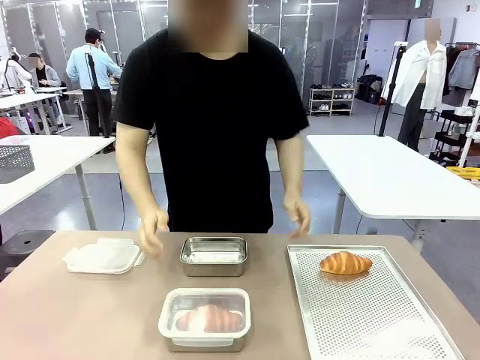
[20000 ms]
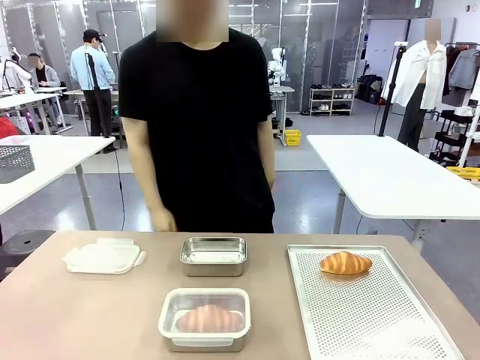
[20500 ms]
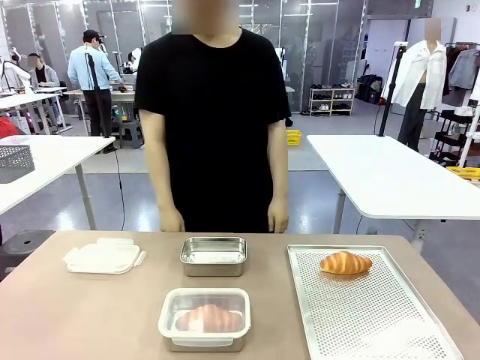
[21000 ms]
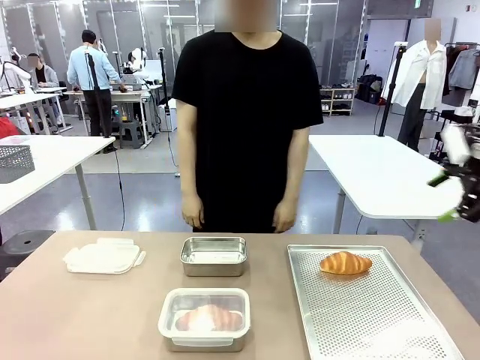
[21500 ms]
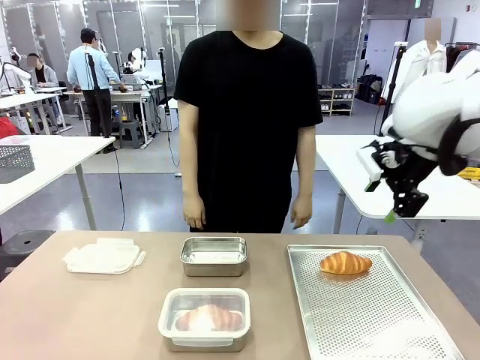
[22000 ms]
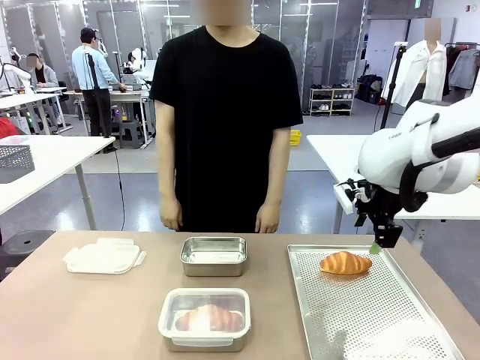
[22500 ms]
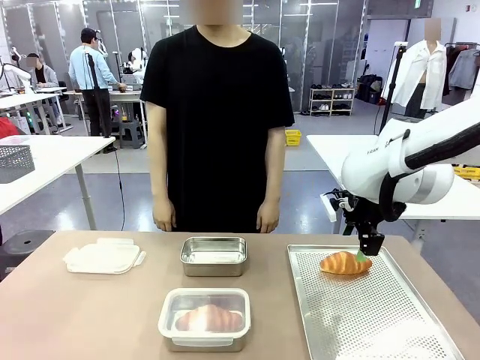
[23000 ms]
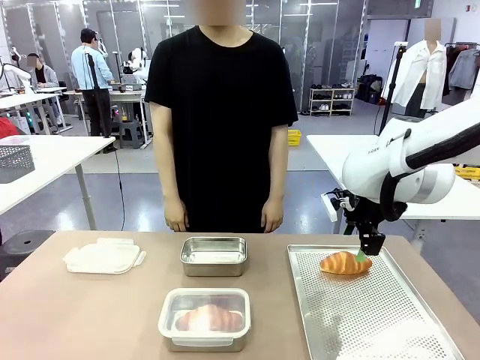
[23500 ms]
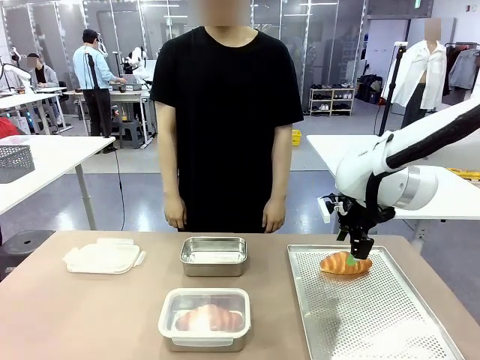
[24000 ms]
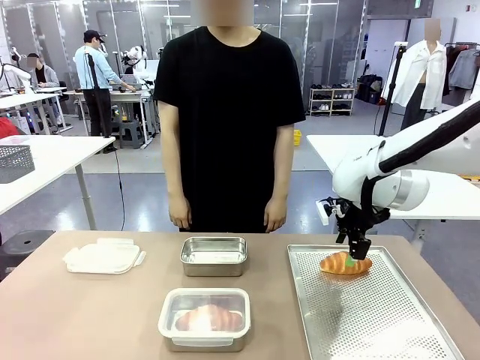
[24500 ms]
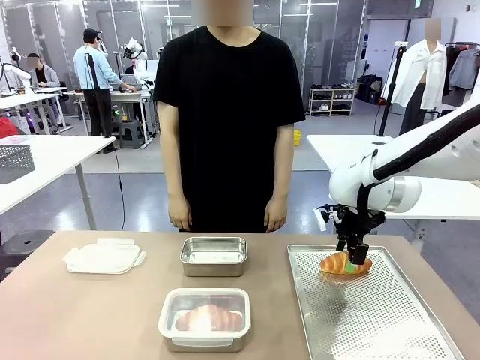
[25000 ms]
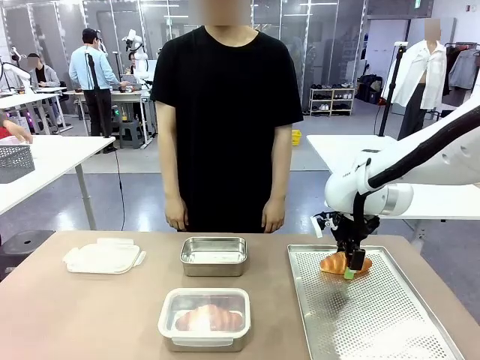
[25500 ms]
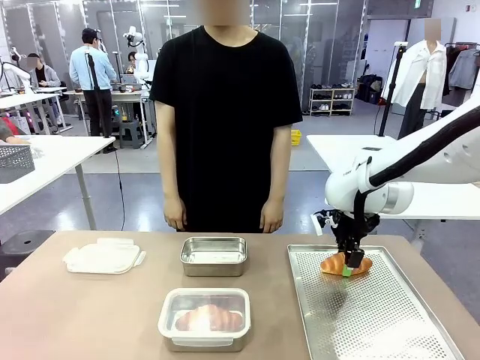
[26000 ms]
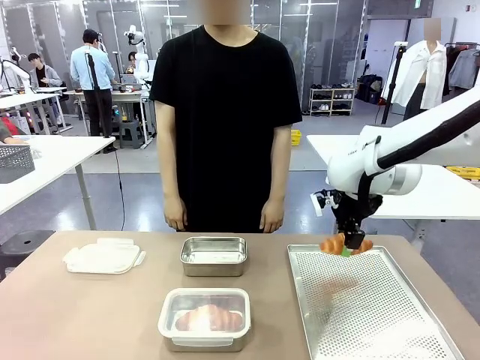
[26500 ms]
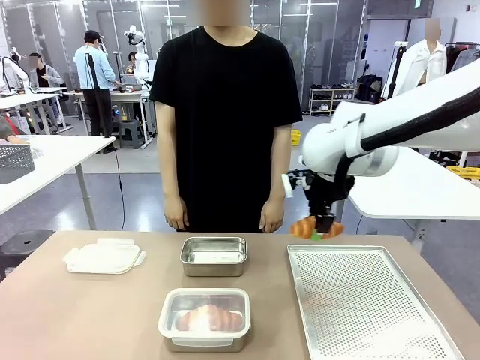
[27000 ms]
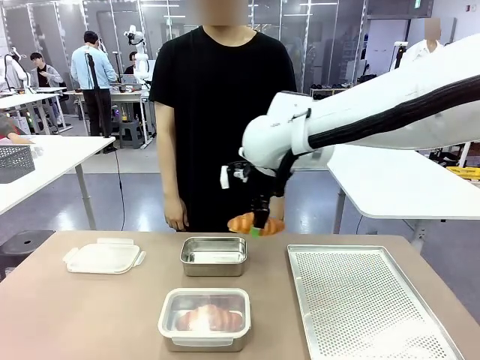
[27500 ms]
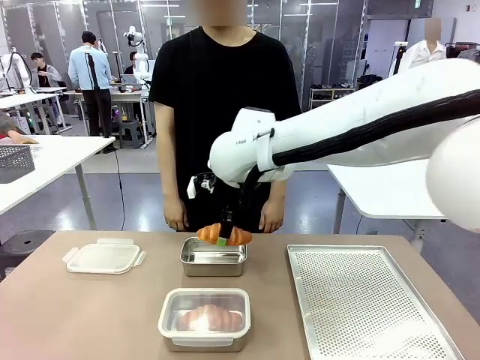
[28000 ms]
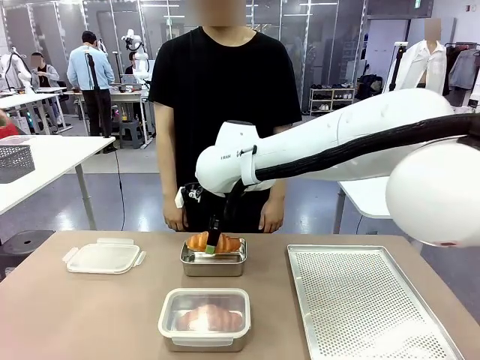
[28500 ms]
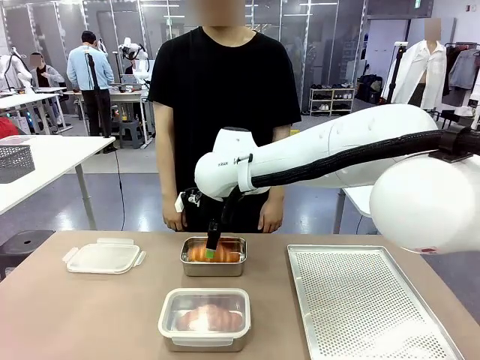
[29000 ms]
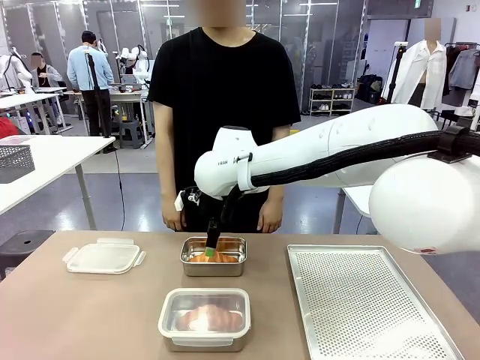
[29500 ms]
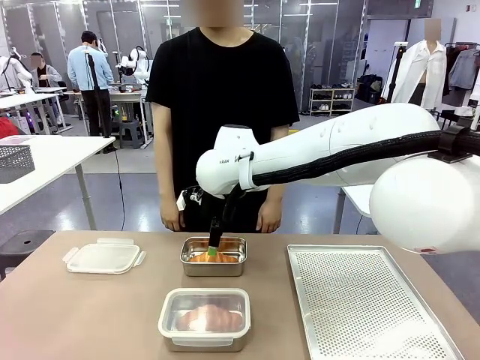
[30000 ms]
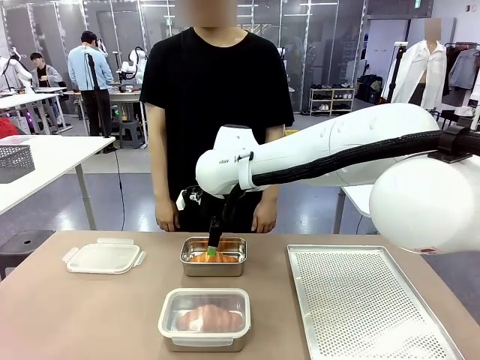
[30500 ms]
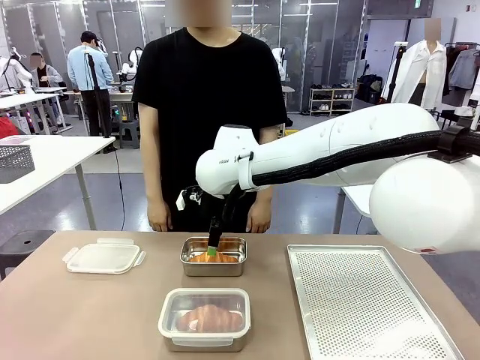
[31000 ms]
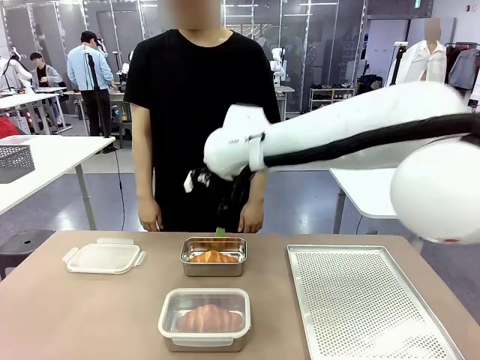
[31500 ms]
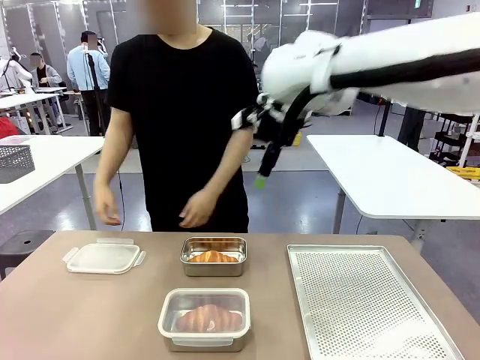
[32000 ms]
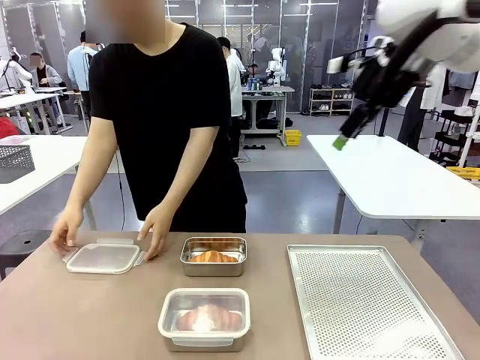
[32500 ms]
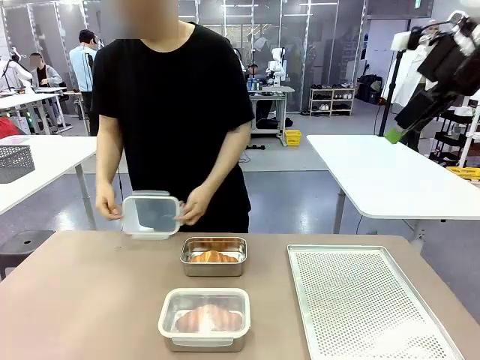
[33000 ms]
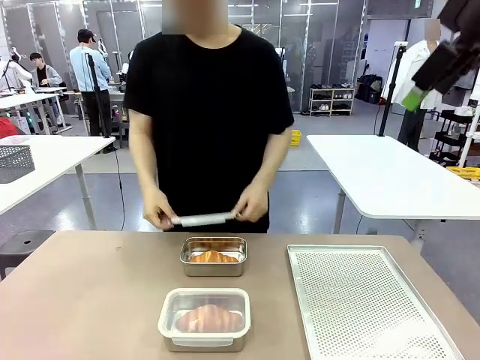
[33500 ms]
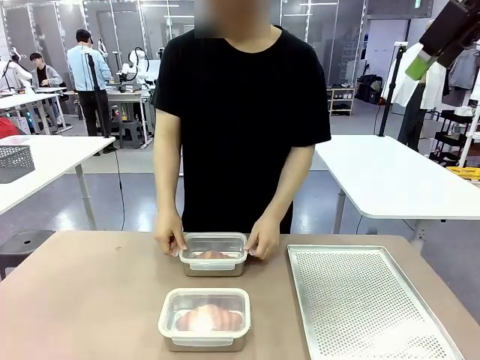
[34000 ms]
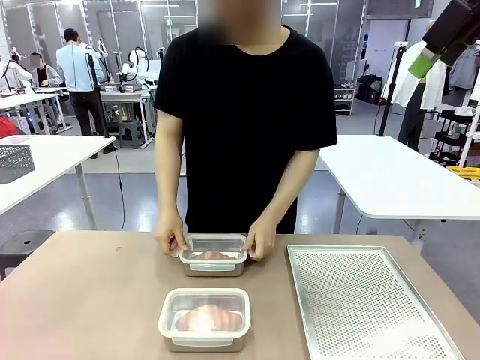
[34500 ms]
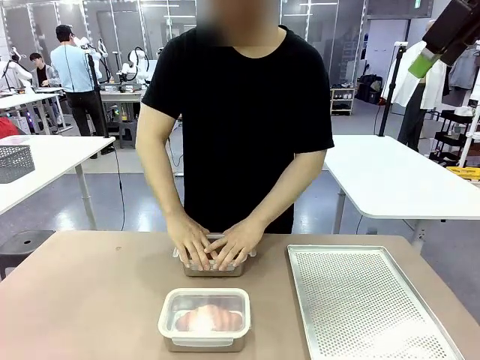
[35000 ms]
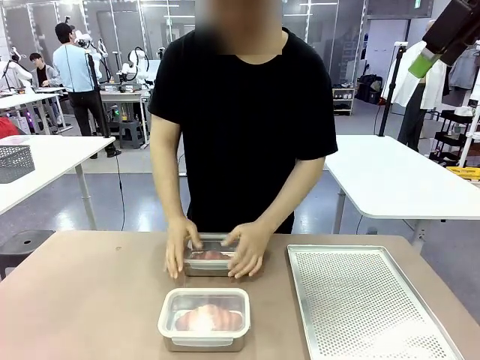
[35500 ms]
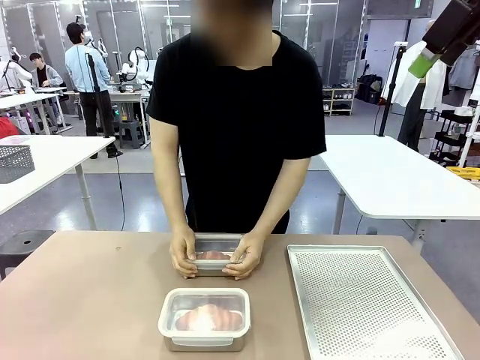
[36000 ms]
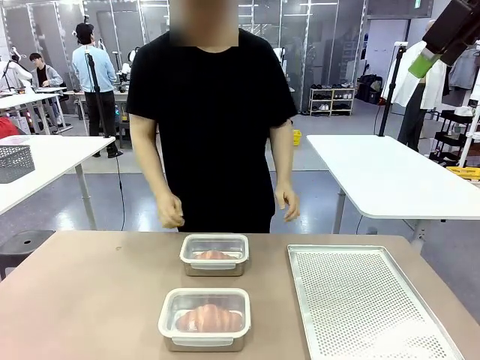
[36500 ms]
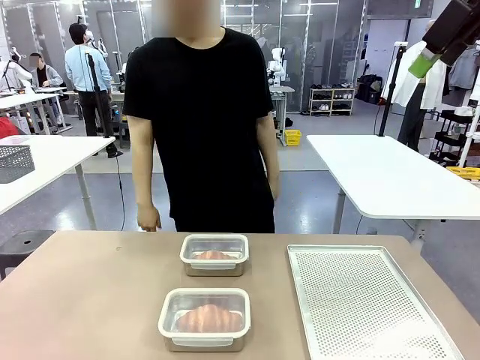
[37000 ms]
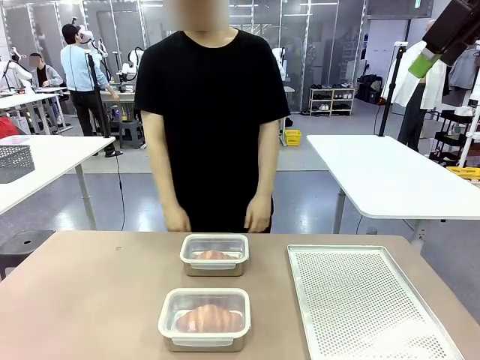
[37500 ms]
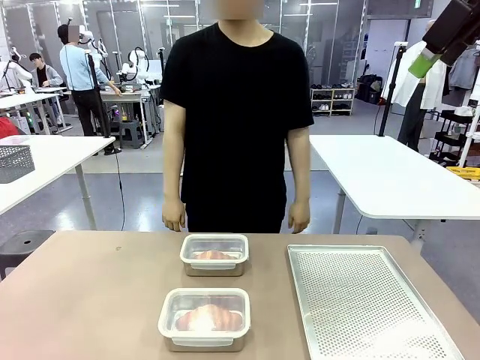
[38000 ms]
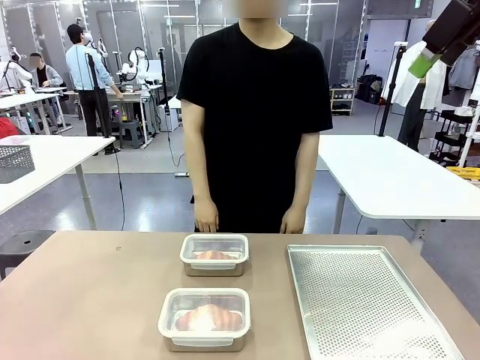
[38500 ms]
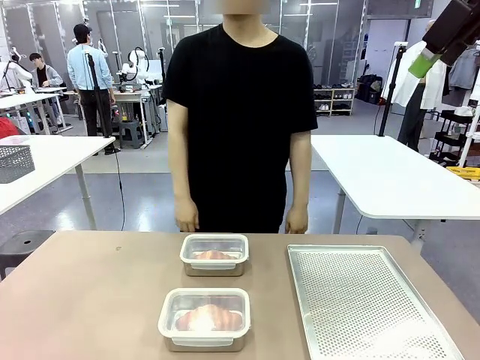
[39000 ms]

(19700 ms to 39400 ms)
Task: Place the bread into the airtight container.
Robot: Pick up a Butter Roll and place it into an empty Airtight Container.

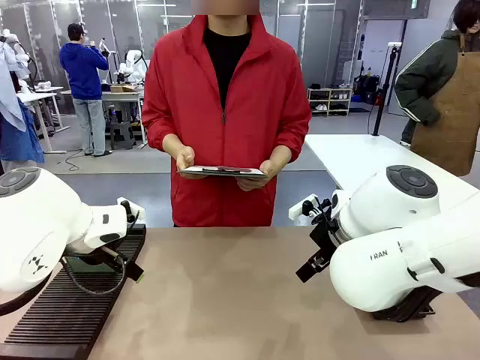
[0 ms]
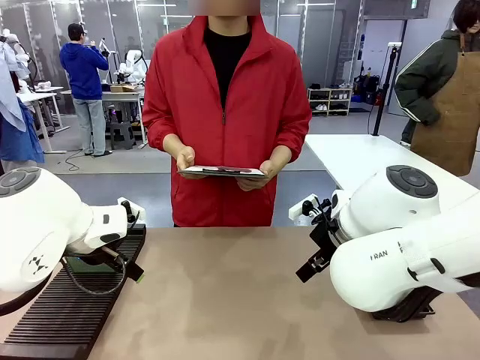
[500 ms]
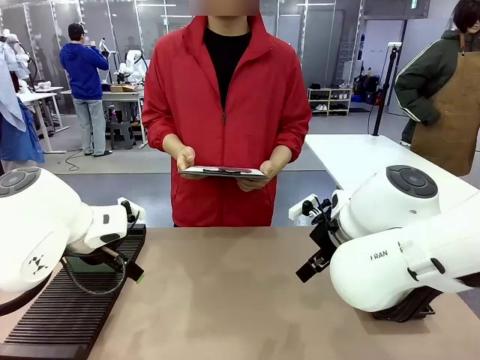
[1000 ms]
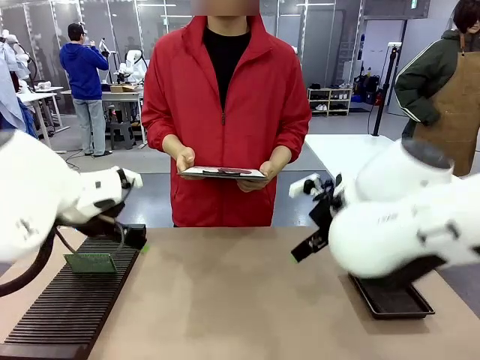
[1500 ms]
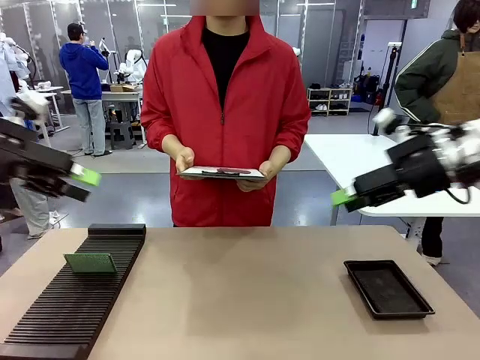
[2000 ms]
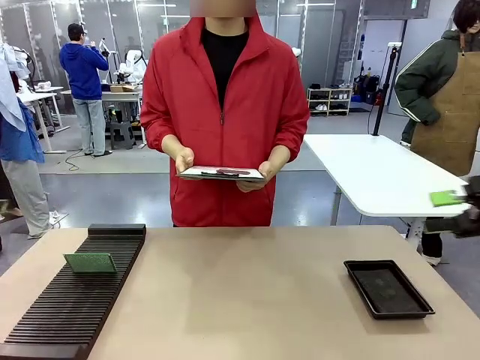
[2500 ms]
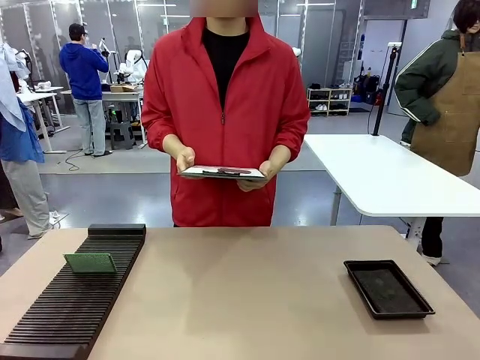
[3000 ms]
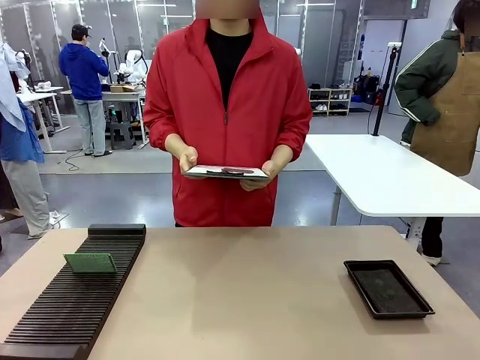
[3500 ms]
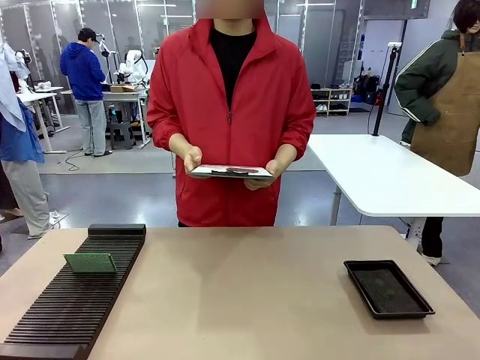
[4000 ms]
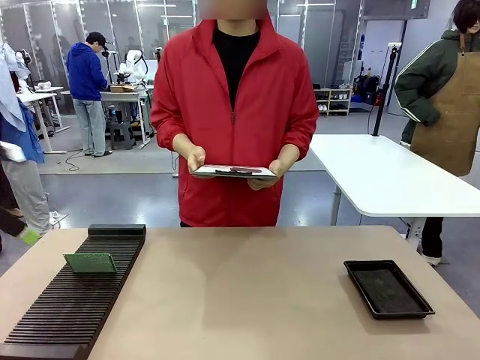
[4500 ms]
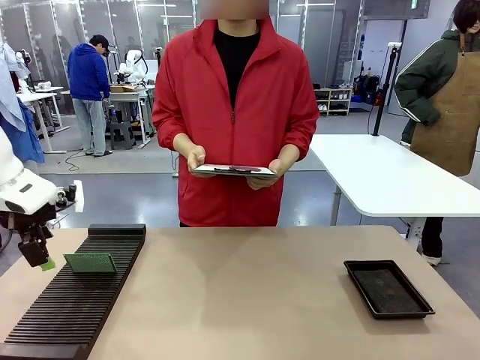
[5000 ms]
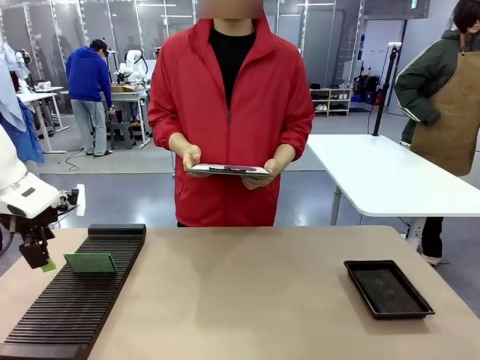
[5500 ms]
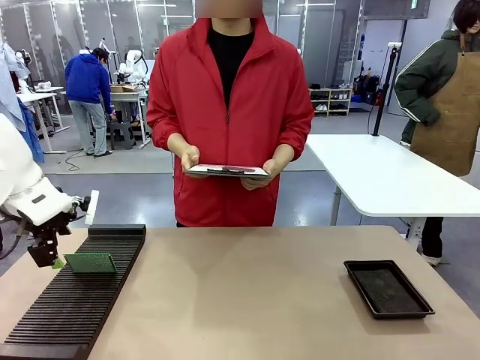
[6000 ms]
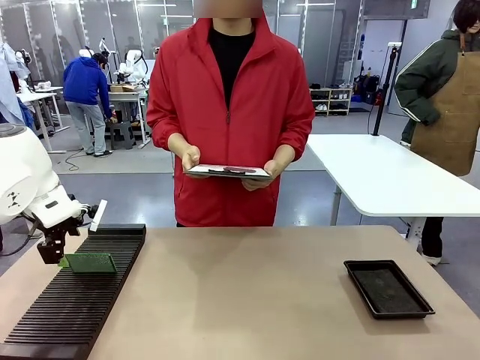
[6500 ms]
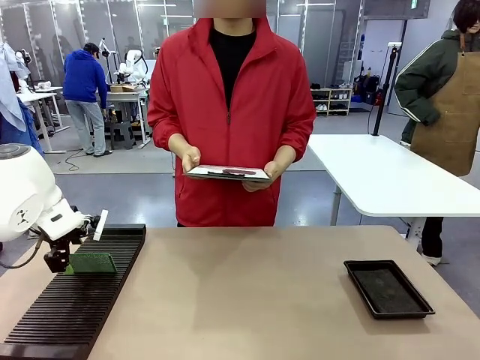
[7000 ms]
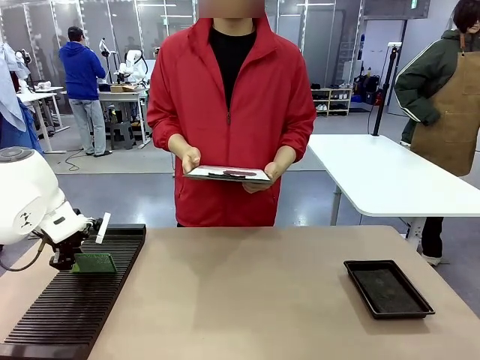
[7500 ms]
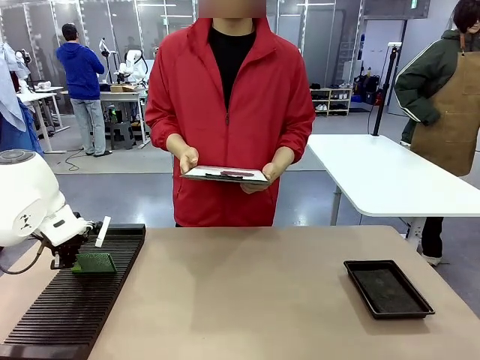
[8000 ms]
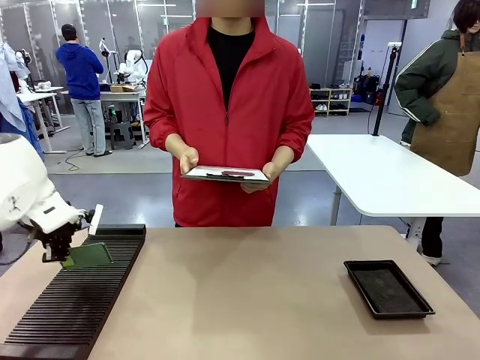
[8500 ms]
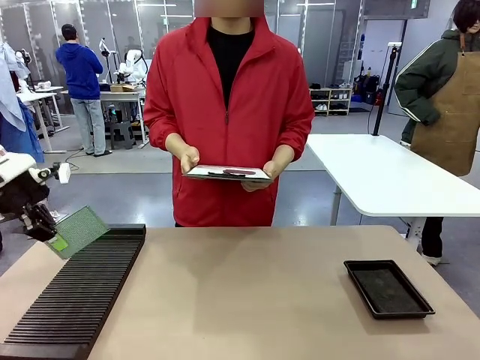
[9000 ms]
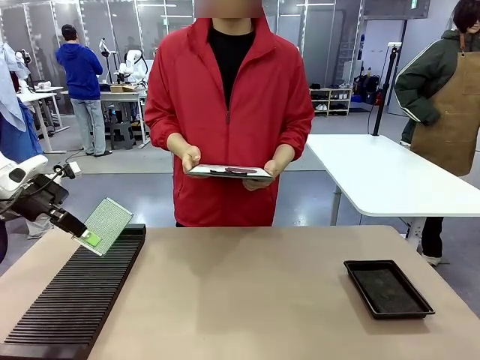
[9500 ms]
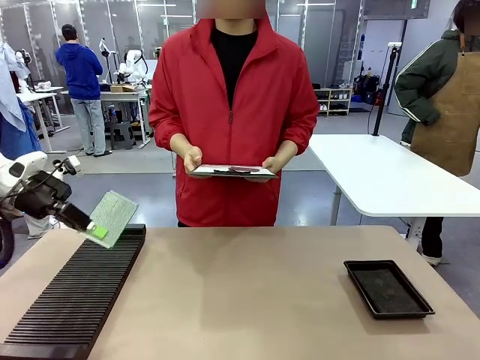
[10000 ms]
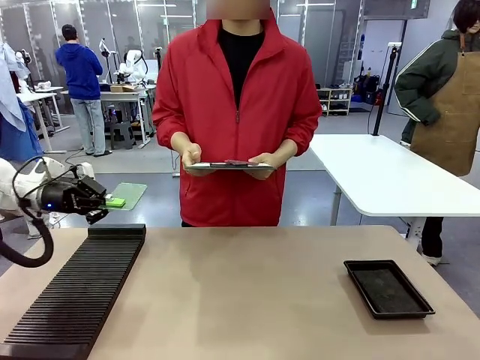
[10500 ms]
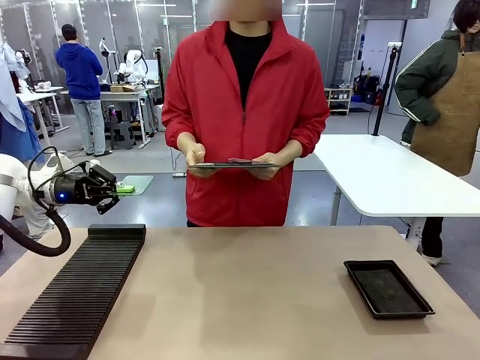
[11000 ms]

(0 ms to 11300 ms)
Task: Inspect the PCB.
Robot: Pick up the Blank PCB and present it to the human.
Person: Pick up the PCB presented by the robot.
